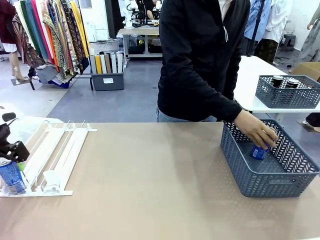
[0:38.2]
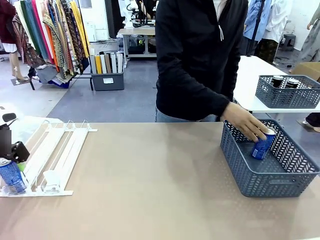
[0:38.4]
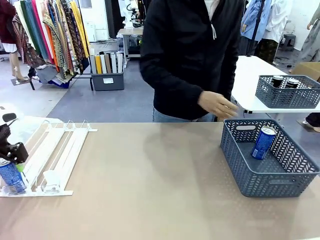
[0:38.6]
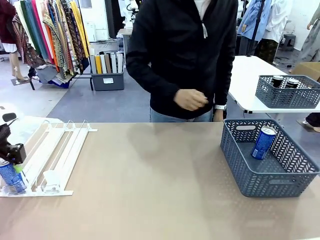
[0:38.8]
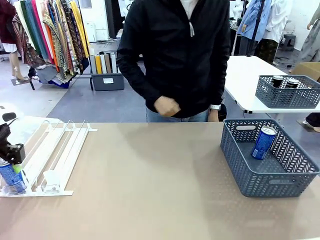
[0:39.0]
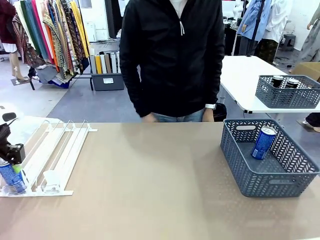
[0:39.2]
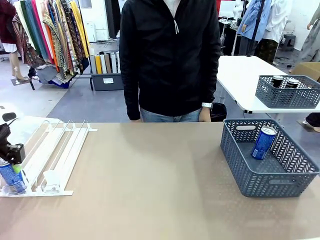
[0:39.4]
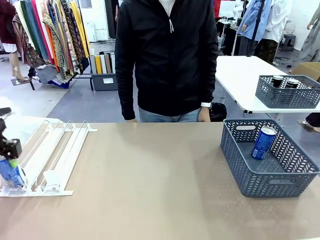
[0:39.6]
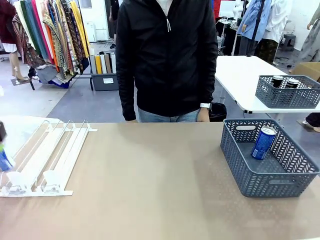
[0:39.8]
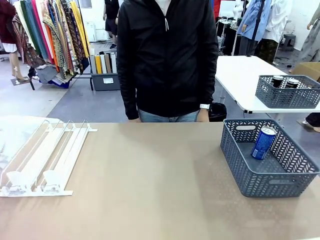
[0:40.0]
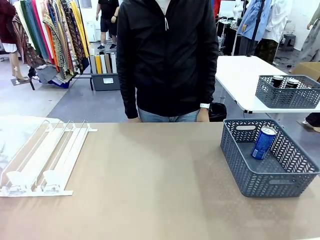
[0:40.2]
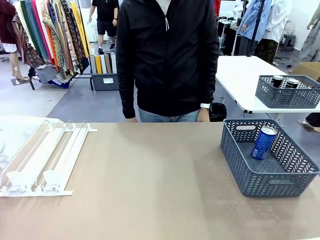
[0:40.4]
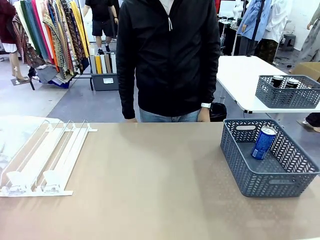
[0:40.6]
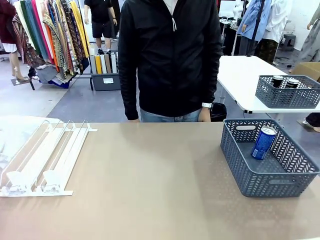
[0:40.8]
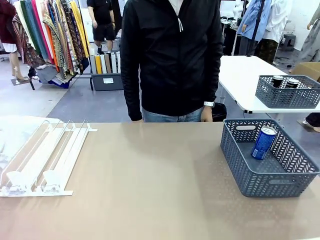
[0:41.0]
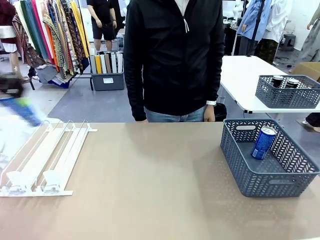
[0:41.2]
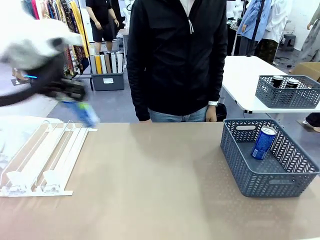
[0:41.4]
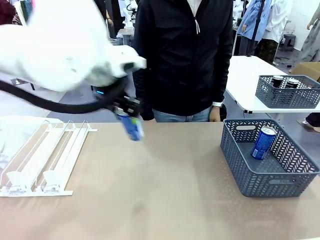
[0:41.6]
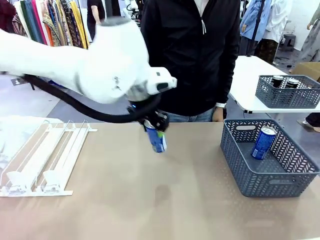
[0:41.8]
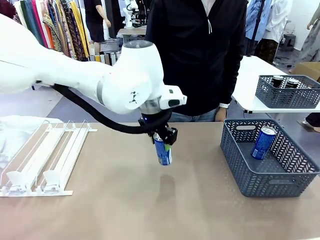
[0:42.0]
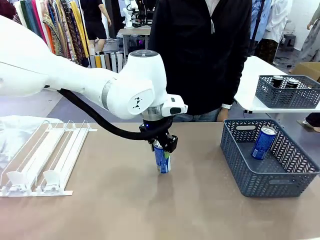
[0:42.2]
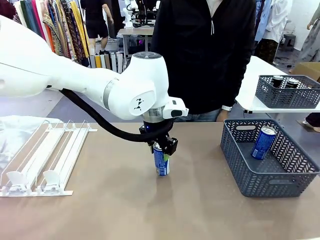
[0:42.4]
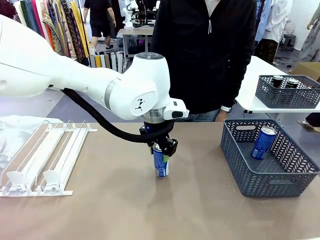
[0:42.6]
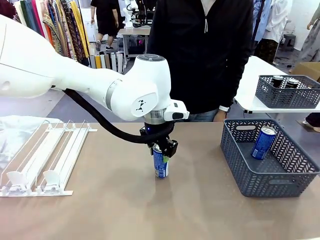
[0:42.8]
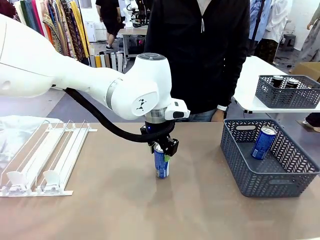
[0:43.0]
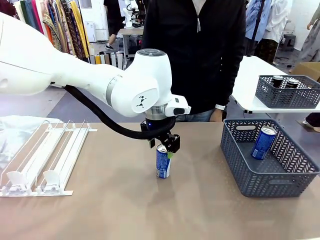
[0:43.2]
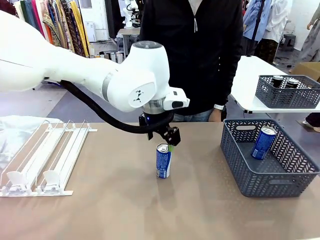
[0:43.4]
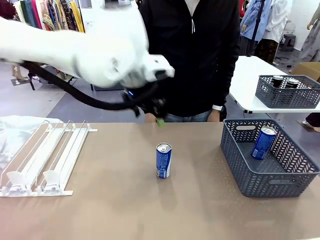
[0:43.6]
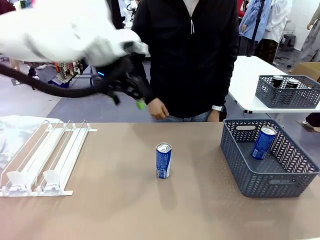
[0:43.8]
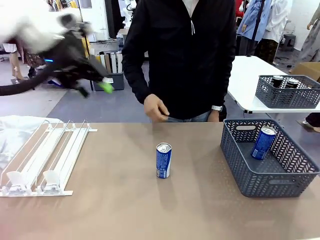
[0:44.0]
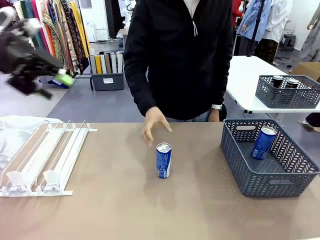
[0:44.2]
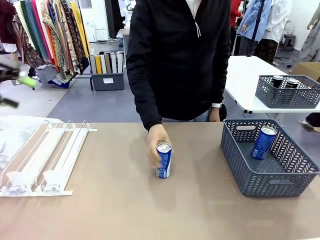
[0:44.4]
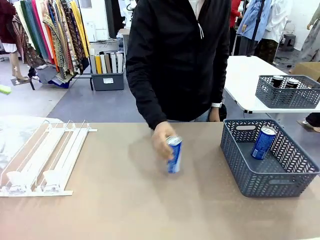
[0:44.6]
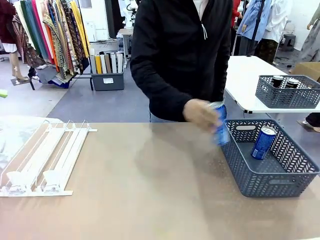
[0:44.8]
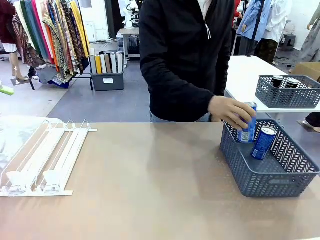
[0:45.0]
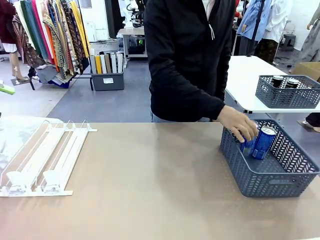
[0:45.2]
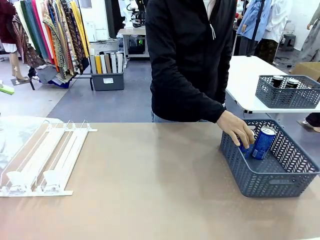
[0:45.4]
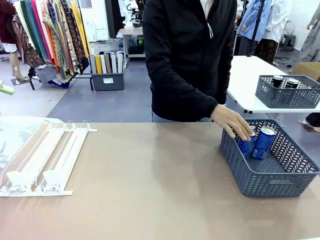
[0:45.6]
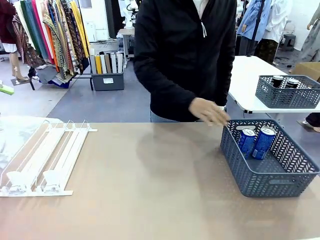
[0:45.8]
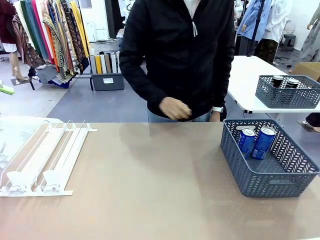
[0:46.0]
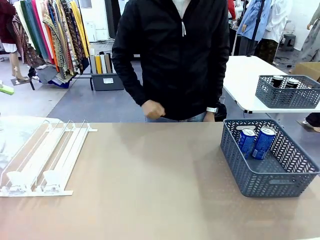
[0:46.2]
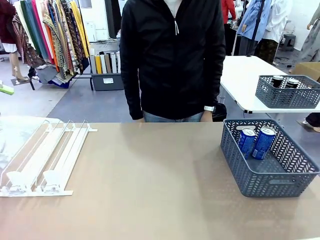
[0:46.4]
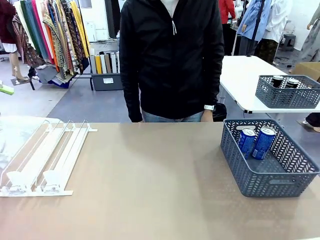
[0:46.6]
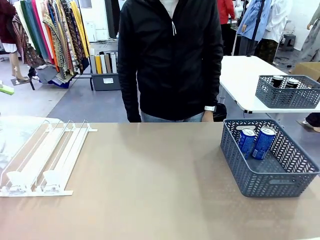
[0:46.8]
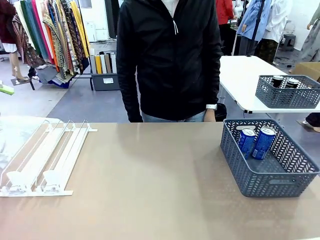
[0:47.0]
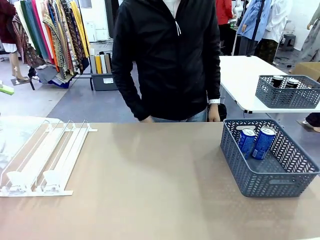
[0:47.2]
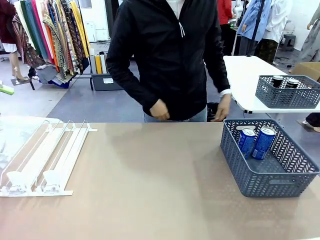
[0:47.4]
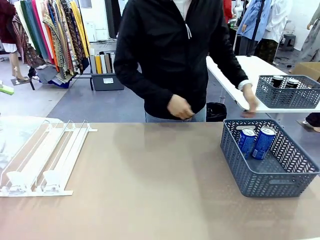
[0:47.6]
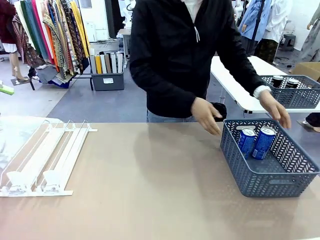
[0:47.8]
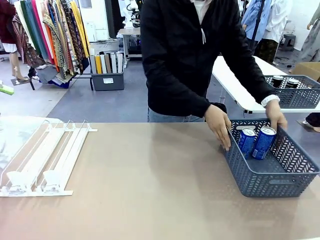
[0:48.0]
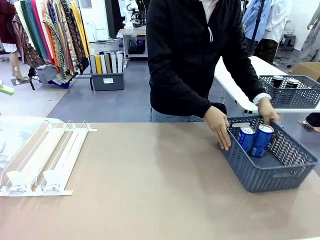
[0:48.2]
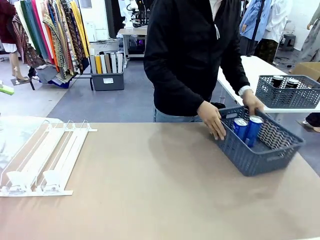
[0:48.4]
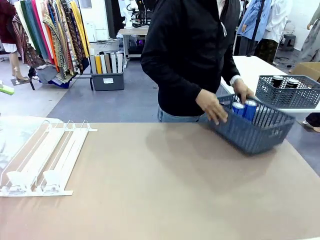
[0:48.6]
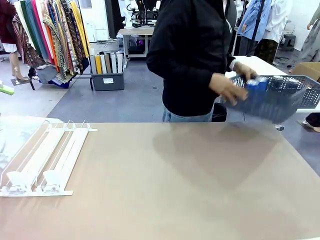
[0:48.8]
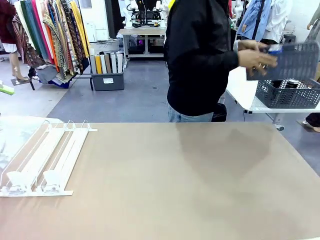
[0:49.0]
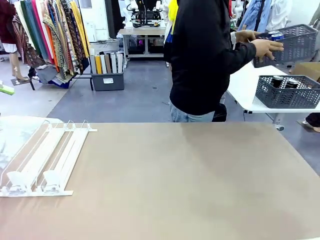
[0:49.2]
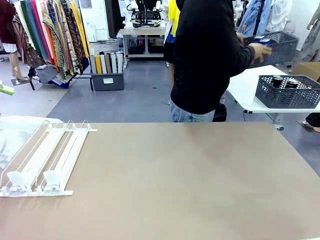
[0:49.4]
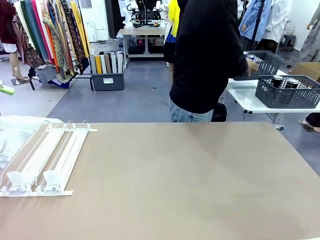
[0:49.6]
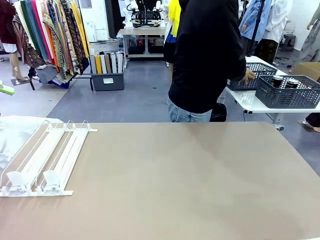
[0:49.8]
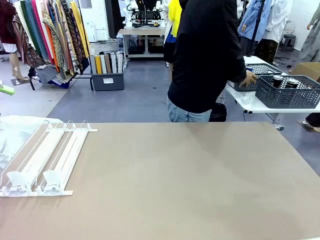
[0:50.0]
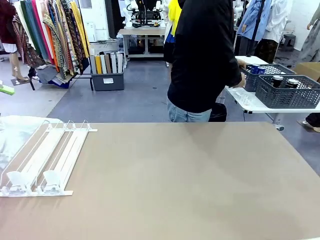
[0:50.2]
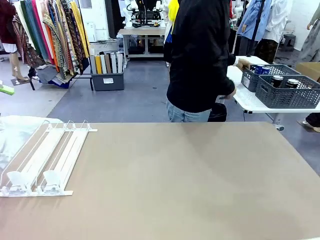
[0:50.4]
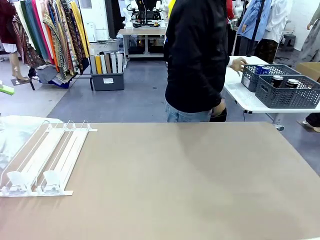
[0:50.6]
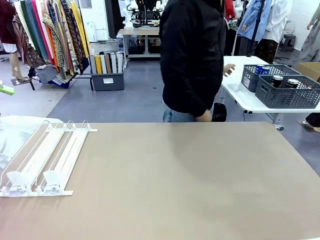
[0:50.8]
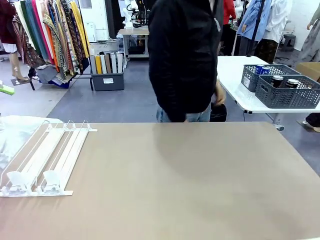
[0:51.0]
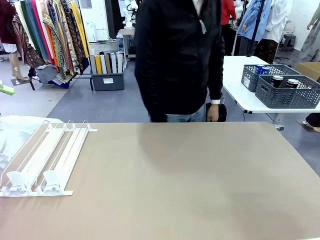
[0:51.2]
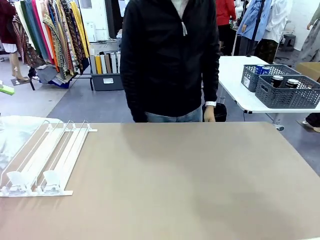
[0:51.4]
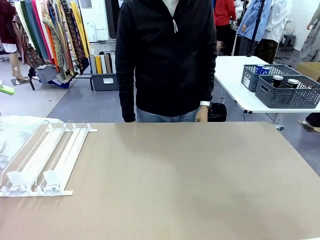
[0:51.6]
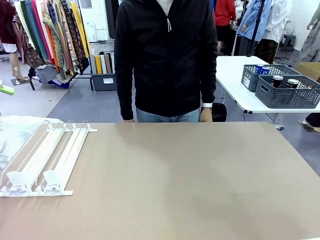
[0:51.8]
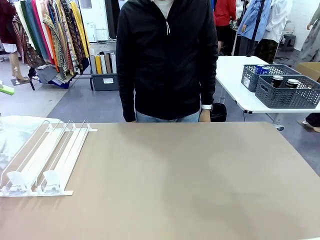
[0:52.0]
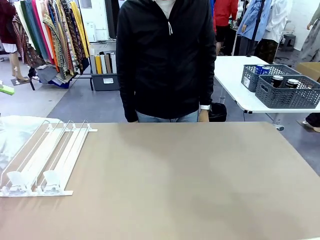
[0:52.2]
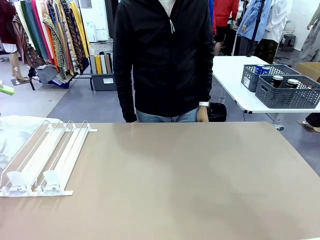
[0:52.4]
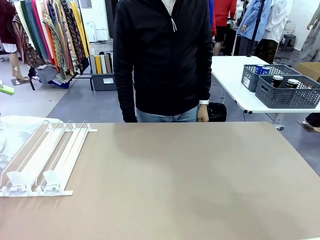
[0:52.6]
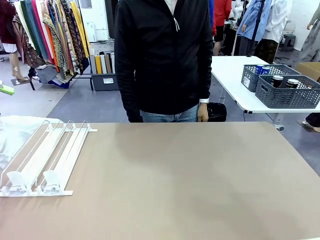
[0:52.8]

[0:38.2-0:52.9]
Task: Retrieve and store the cans from the dispenser.
Robot: Pick up one can from the Automatic Can Dispenser and place it in the middle of the table.
Person: Pick up one sports drink can from the middle of the robot table and place it in the basket. Pick up the basket and place it in the middle of the human table.
